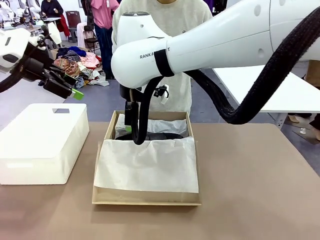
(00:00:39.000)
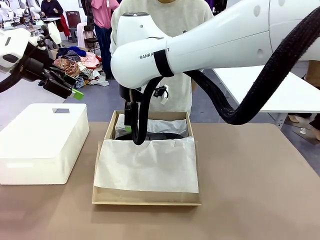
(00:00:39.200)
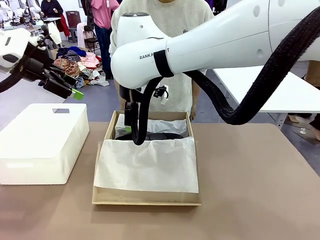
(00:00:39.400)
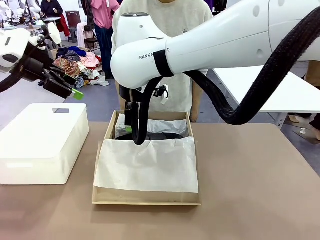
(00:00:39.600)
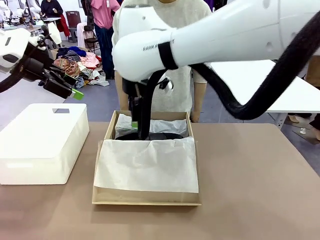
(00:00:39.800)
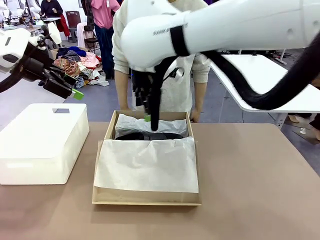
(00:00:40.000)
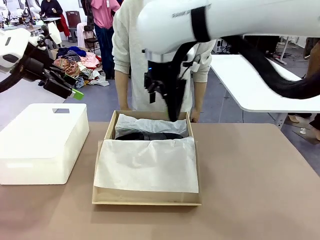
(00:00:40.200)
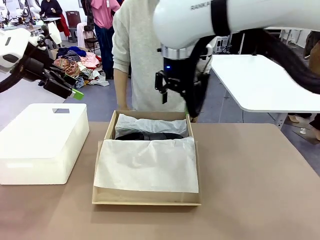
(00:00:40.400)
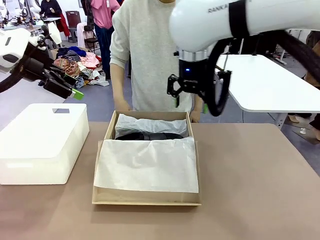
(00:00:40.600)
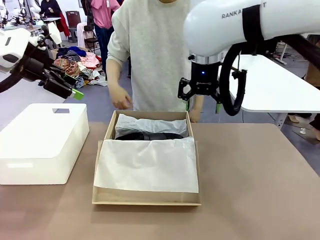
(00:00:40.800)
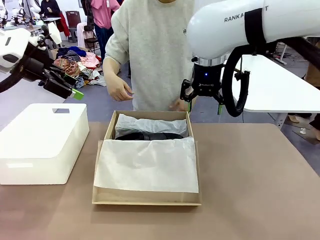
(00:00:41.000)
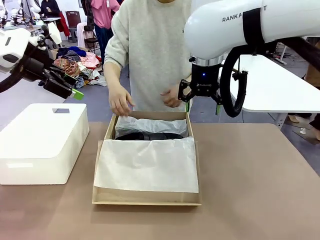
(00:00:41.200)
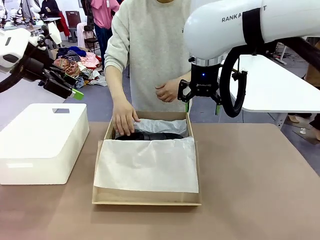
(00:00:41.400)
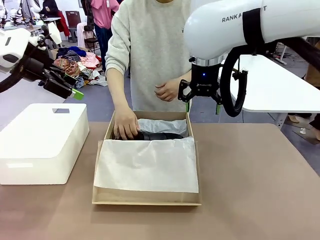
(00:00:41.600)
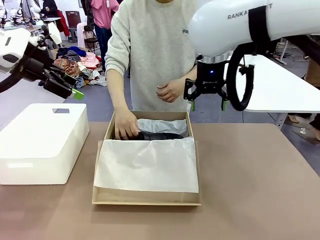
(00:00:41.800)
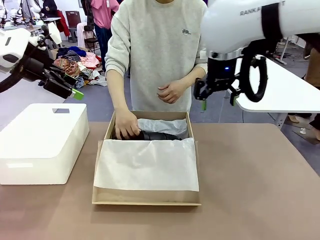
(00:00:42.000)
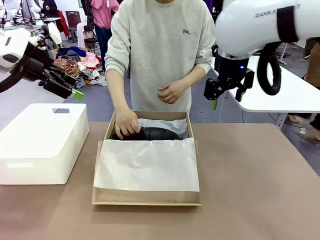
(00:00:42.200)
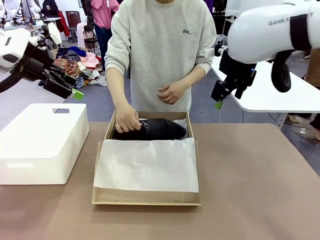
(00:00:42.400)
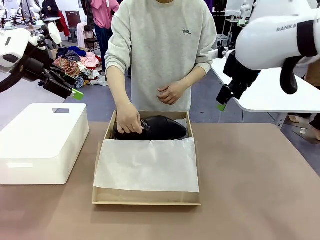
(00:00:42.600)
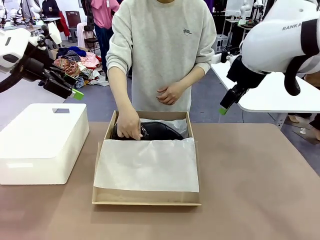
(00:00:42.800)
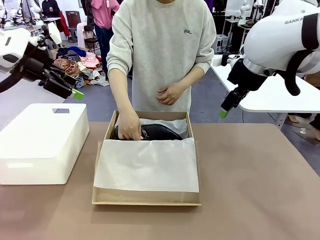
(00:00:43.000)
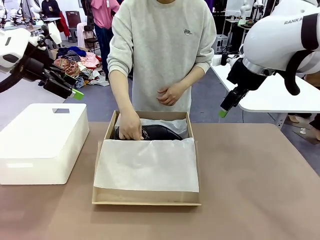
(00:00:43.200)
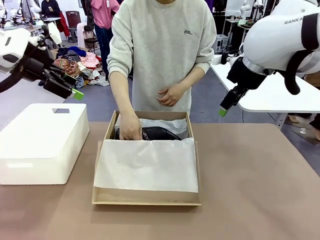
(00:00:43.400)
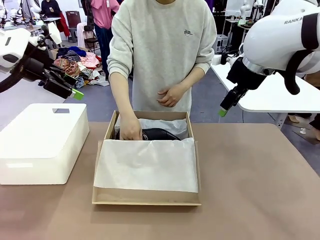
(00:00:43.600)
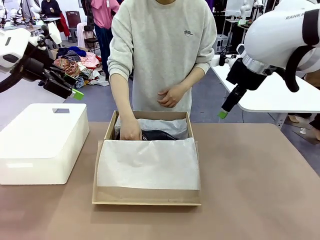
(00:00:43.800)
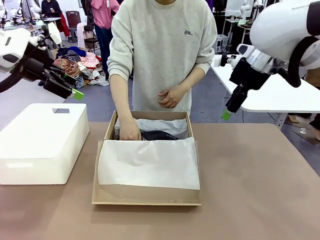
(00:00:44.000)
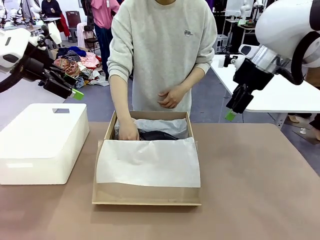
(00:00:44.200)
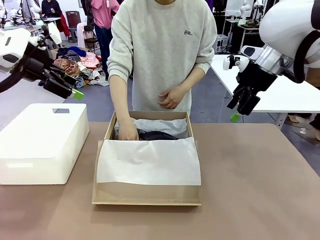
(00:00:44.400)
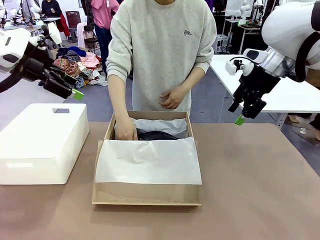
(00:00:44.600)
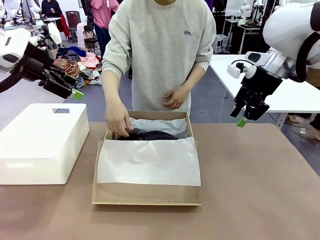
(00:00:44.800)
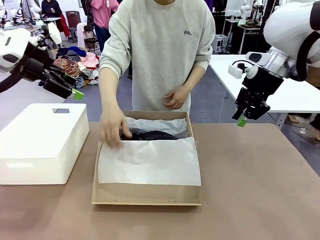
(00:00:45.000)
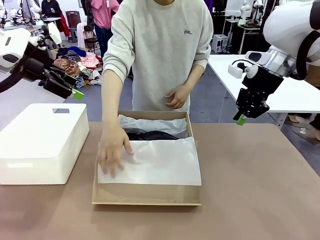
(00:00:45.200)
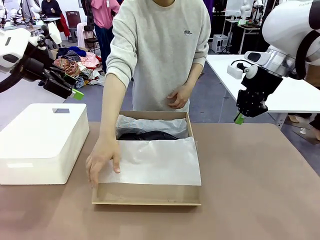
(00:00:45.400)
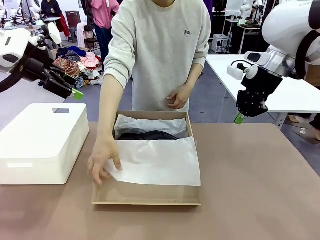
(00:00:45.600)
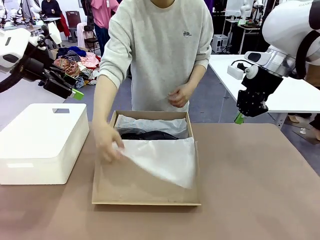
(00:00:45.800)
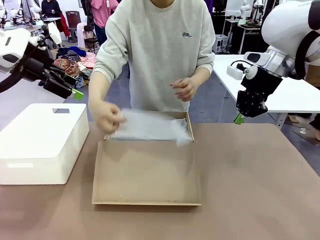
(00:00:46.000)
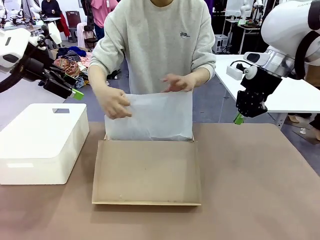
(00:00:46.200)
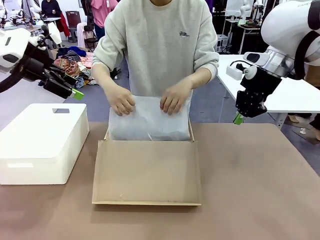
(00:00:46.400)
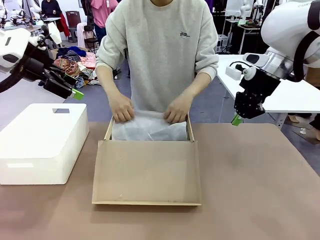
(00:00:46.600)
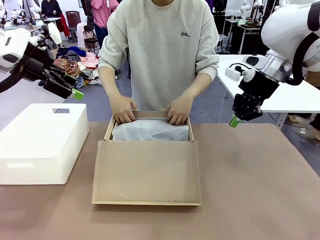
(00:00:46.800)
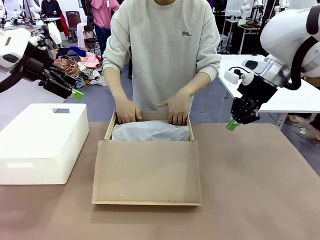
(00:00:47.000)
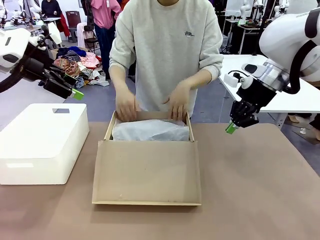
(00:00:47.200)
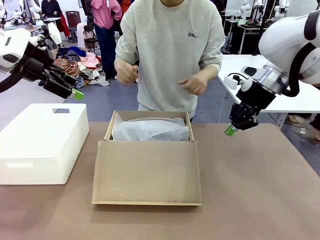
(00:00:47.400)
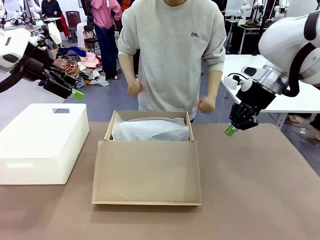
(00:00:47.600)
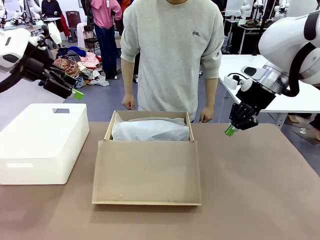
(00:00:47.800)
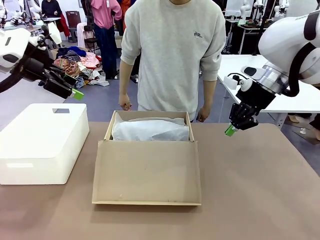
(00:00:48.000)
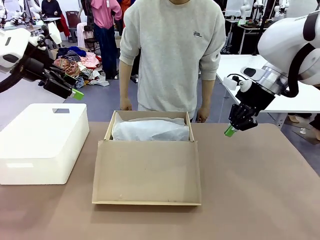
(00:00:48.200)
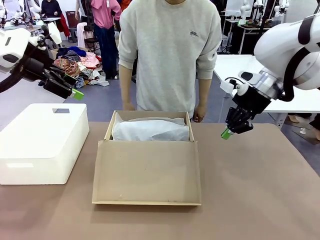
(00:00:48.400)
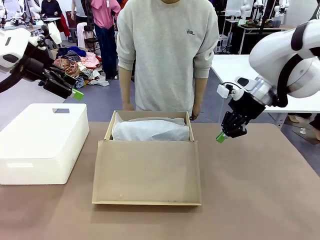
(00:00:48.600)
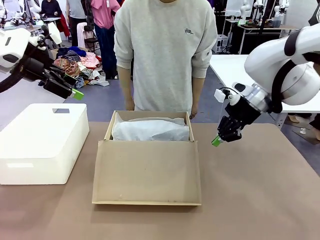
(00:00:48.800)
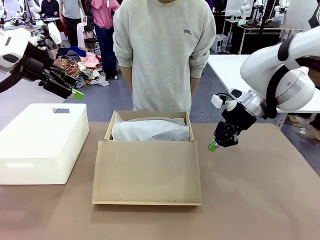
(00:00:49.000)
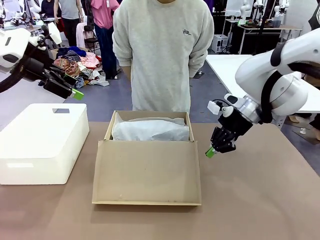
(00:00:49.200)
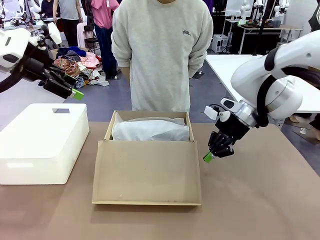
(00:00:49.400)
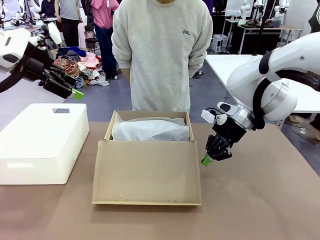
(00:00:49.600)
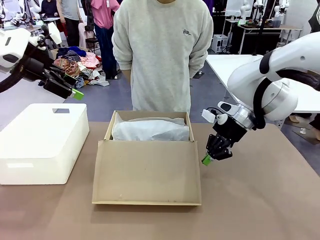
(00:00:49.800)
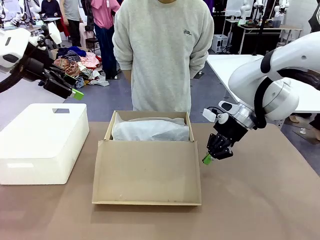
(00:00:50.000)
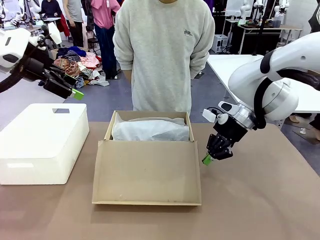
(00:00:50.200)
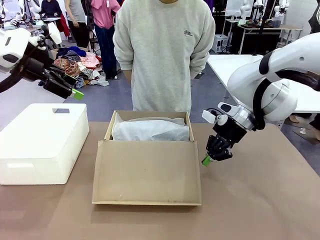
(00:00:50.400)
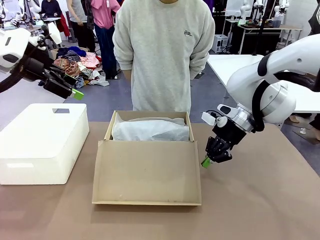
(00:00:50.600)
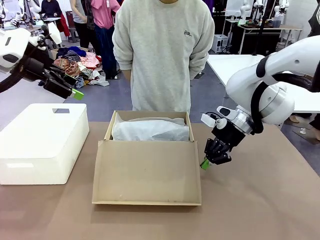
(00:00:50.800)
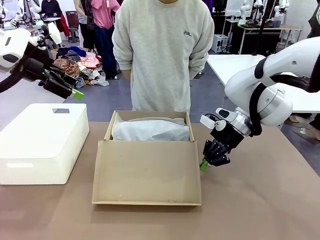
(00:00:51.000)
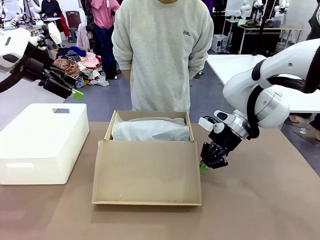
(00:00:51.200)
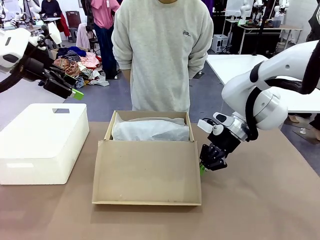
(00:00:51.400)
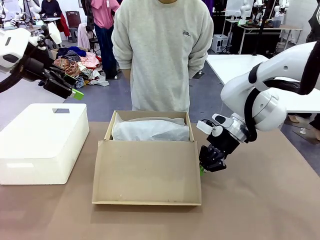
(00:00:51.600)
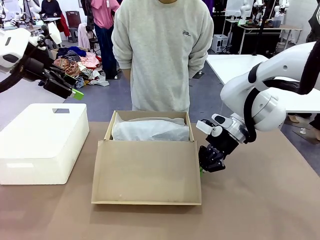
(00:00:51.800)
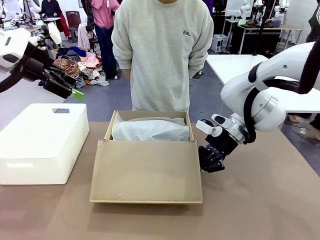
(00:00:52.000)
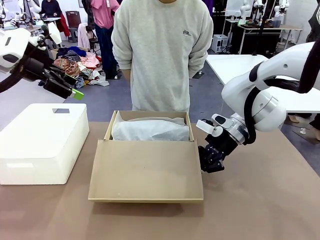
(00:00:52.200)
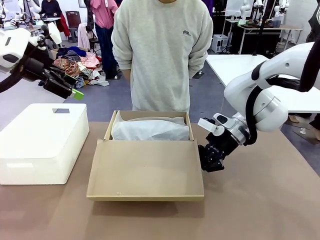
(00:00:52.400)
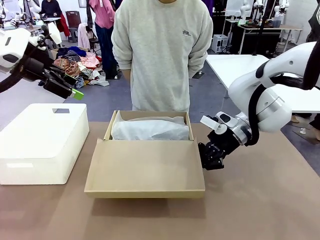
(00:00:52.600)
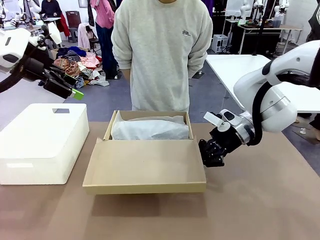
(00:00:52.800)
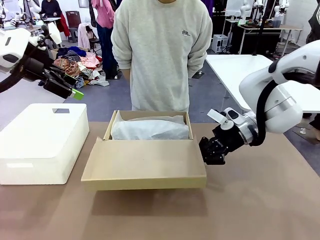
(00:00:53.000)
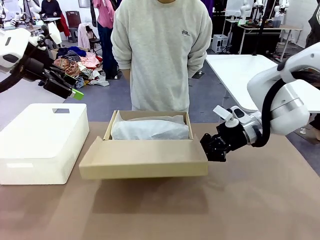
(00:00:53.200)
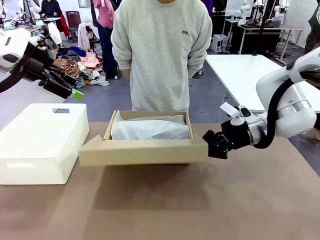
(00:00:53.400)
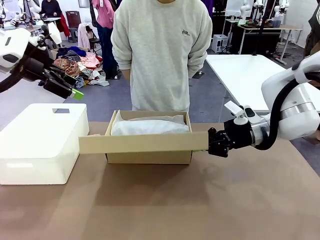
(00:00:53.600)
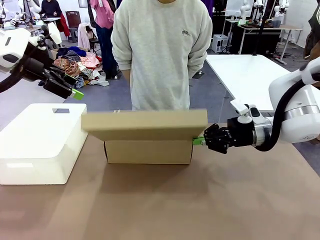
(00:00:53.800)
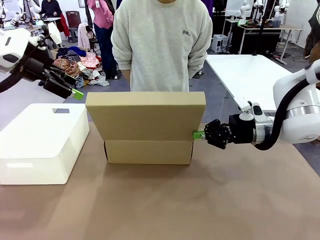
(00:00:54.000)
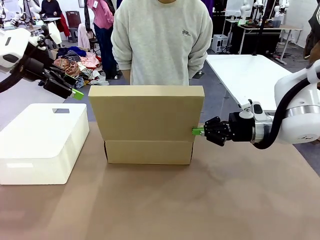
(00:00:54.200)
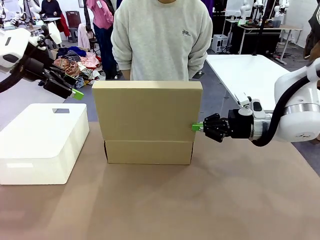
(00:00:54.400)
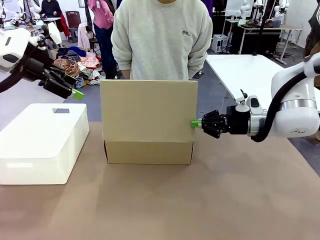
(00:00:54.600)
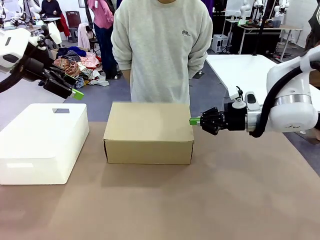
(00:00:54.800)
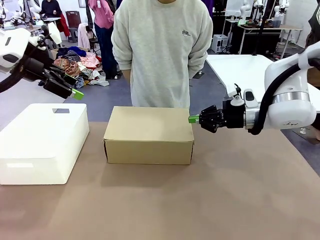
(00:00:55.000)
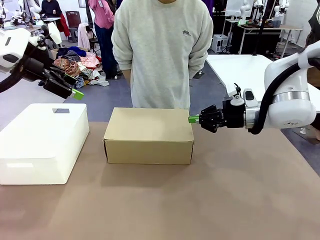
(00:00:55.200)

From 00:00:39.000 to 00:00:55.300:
Task: Pack the shoes into the box.
Robot: Close the Shoes Box.
